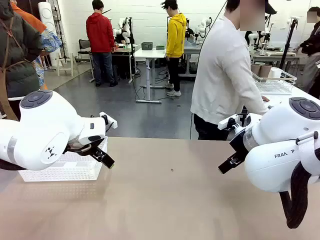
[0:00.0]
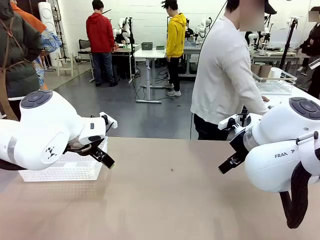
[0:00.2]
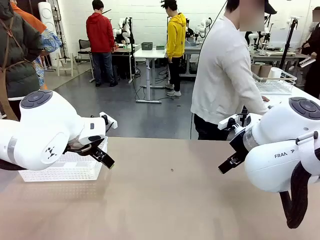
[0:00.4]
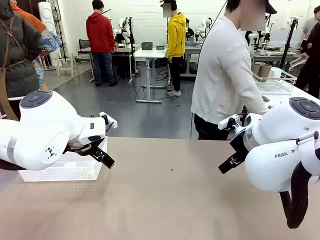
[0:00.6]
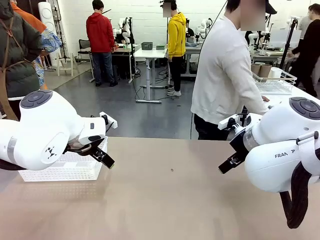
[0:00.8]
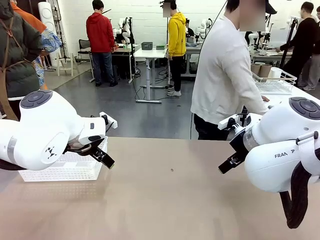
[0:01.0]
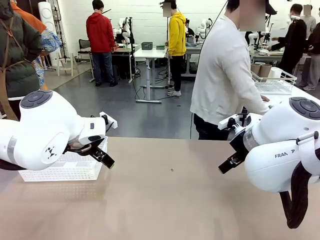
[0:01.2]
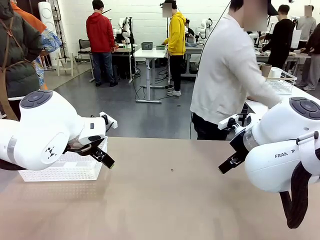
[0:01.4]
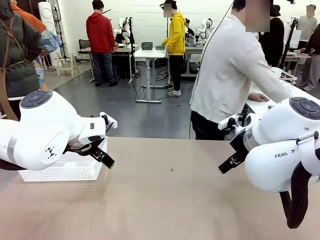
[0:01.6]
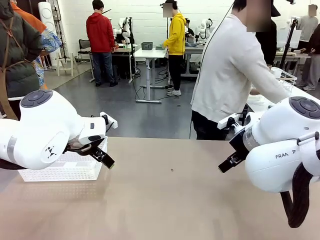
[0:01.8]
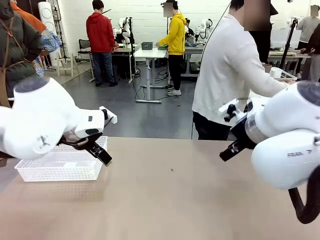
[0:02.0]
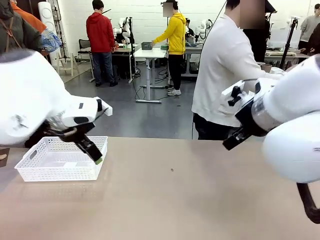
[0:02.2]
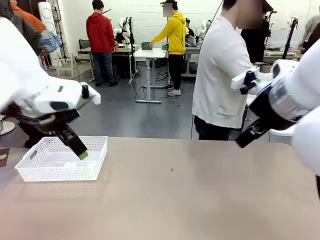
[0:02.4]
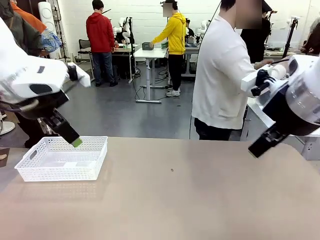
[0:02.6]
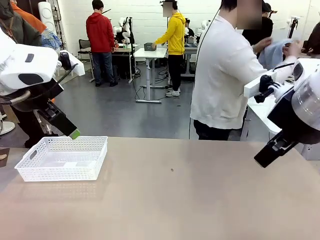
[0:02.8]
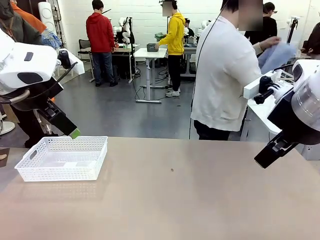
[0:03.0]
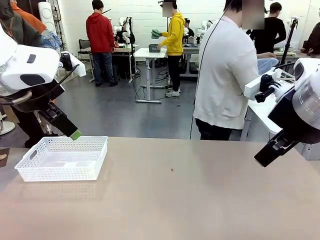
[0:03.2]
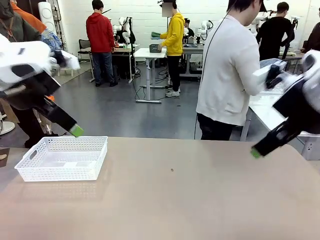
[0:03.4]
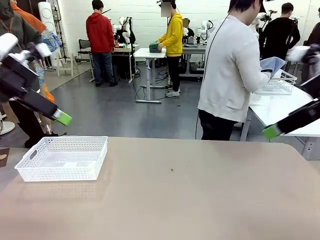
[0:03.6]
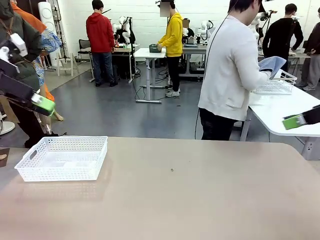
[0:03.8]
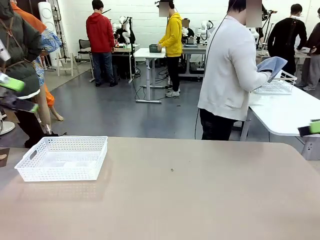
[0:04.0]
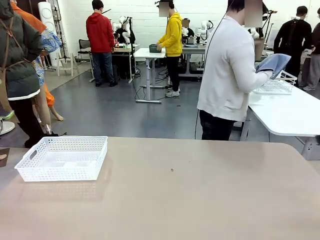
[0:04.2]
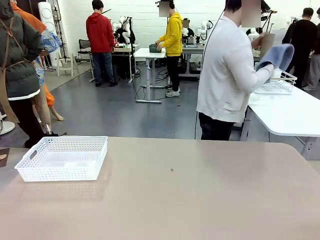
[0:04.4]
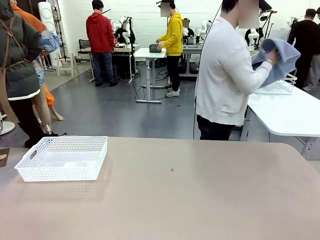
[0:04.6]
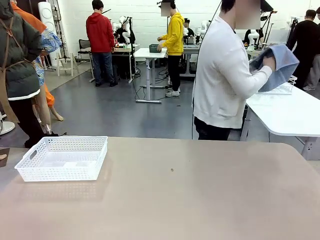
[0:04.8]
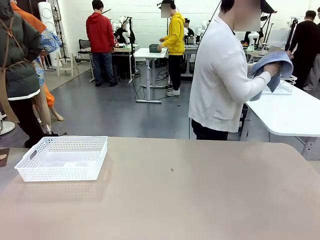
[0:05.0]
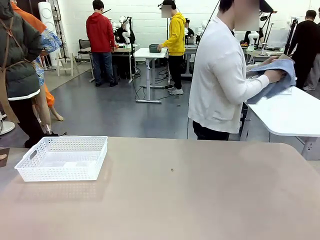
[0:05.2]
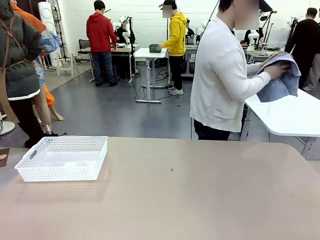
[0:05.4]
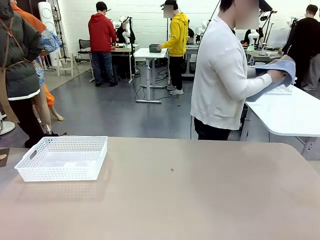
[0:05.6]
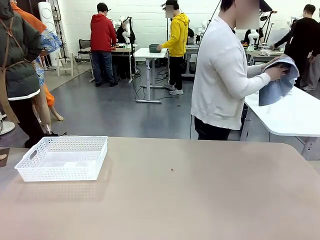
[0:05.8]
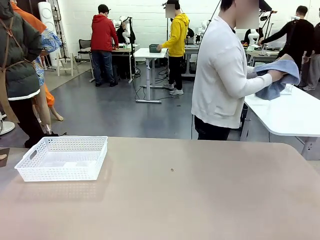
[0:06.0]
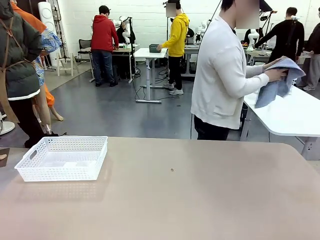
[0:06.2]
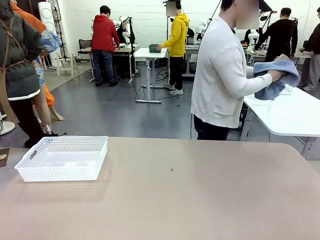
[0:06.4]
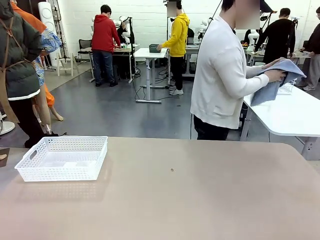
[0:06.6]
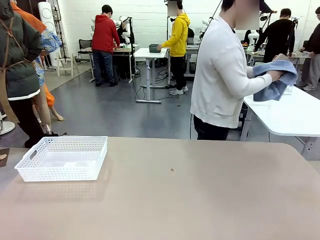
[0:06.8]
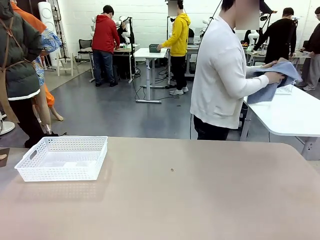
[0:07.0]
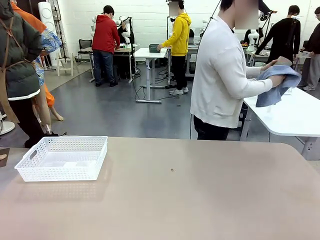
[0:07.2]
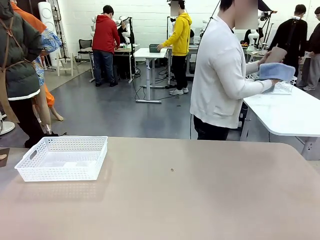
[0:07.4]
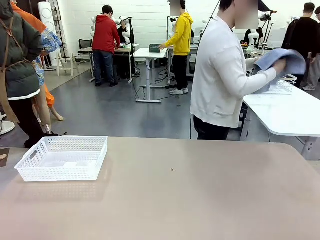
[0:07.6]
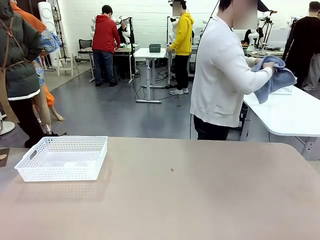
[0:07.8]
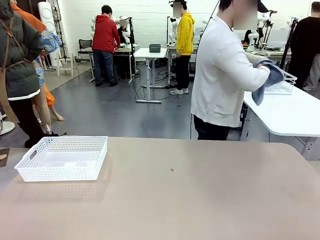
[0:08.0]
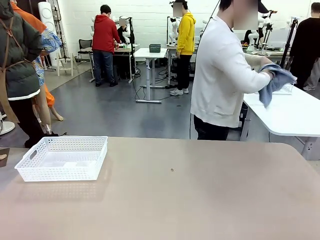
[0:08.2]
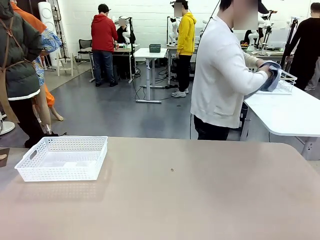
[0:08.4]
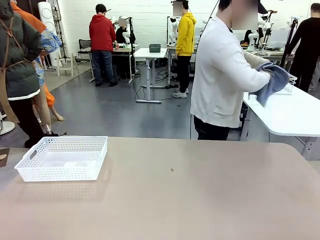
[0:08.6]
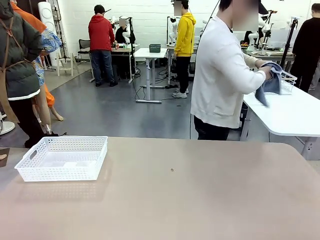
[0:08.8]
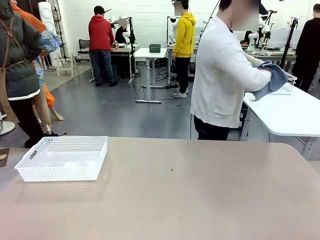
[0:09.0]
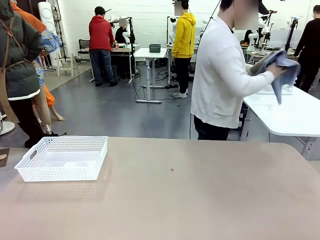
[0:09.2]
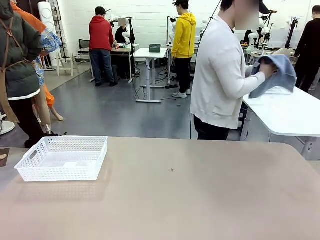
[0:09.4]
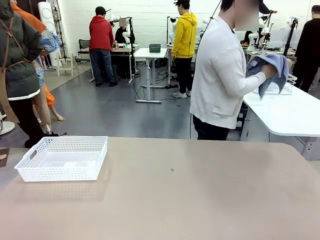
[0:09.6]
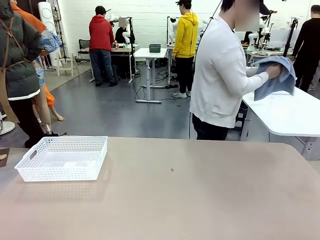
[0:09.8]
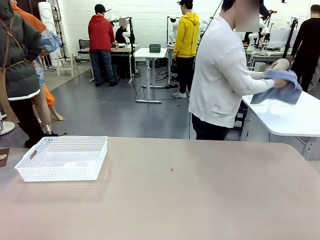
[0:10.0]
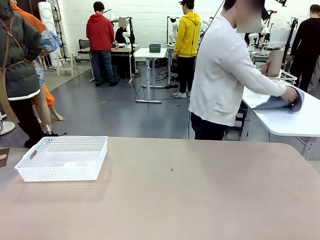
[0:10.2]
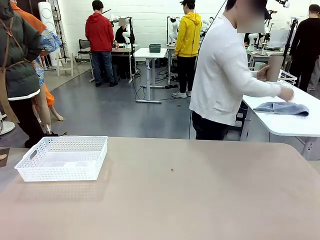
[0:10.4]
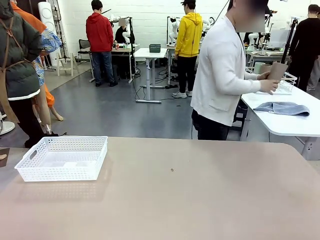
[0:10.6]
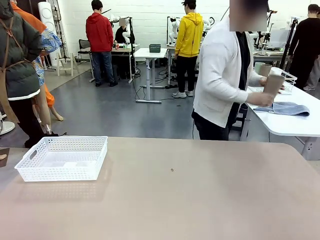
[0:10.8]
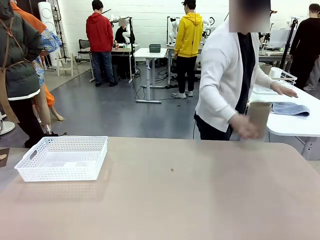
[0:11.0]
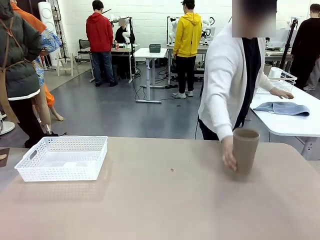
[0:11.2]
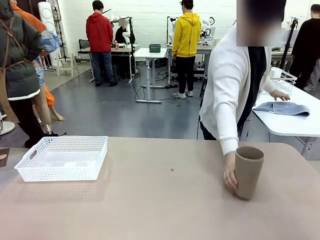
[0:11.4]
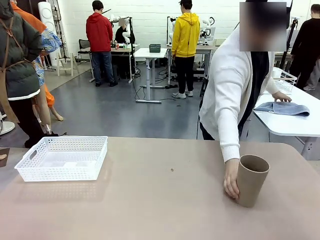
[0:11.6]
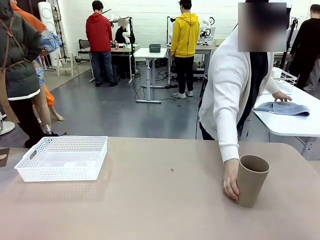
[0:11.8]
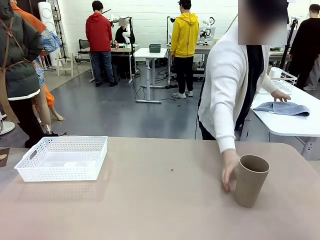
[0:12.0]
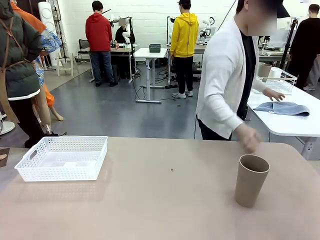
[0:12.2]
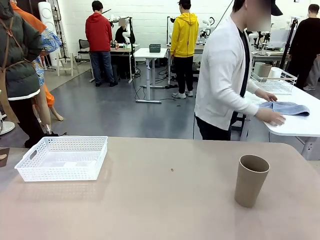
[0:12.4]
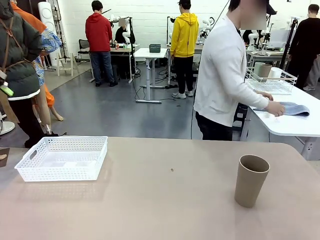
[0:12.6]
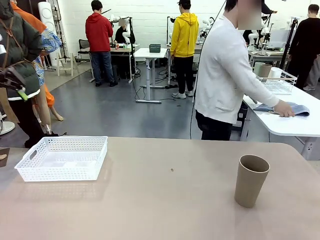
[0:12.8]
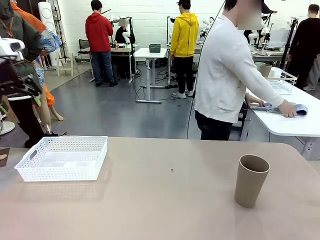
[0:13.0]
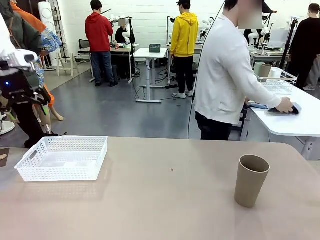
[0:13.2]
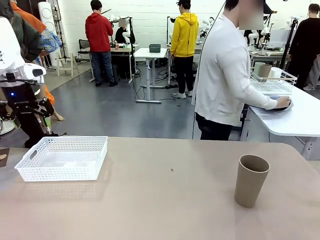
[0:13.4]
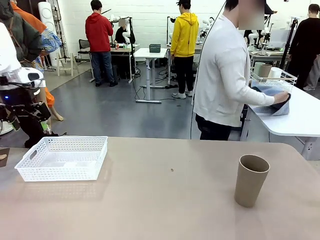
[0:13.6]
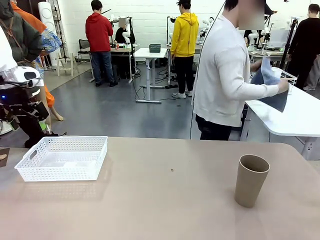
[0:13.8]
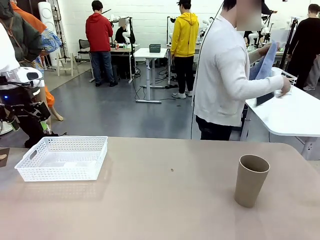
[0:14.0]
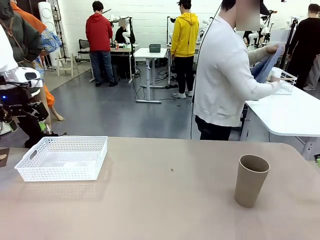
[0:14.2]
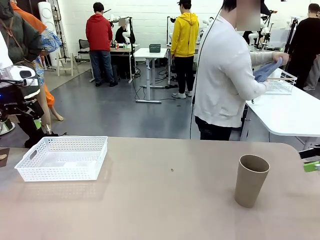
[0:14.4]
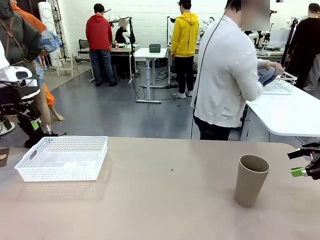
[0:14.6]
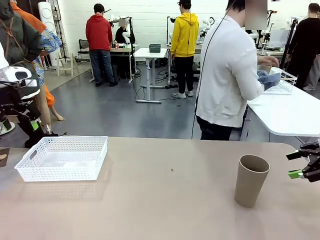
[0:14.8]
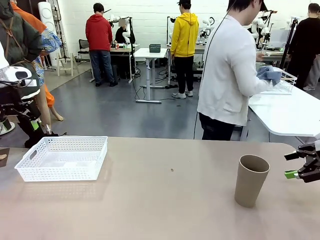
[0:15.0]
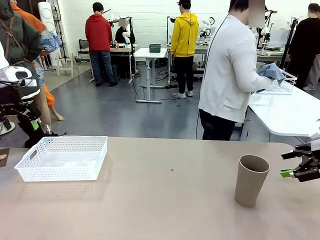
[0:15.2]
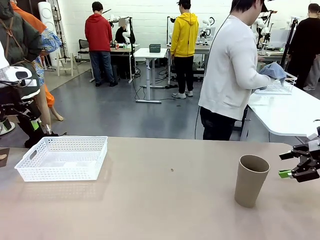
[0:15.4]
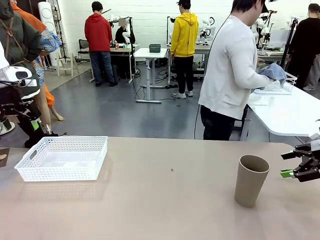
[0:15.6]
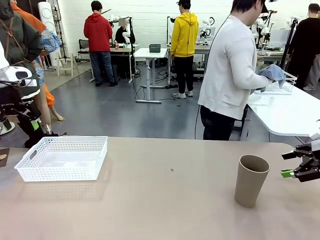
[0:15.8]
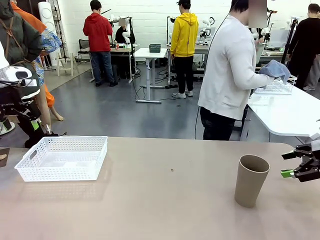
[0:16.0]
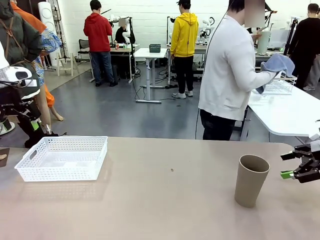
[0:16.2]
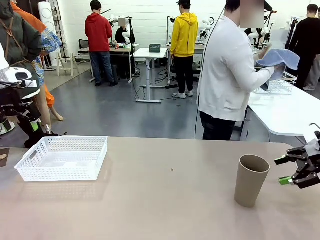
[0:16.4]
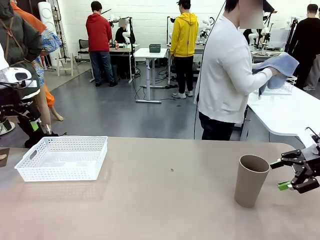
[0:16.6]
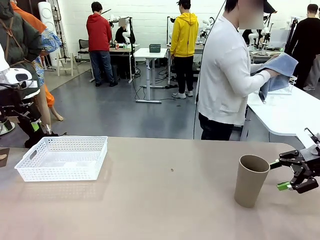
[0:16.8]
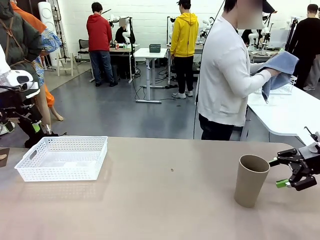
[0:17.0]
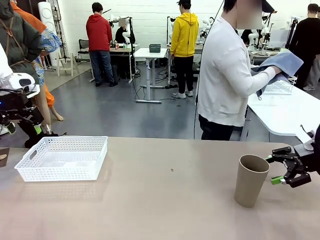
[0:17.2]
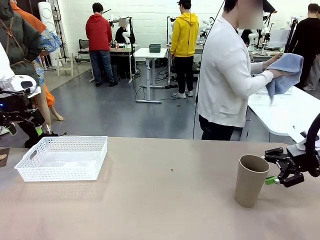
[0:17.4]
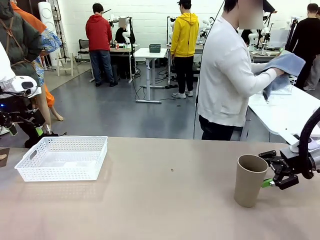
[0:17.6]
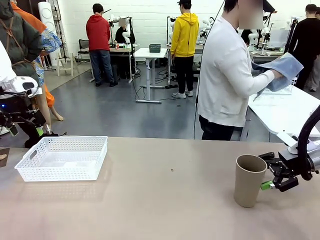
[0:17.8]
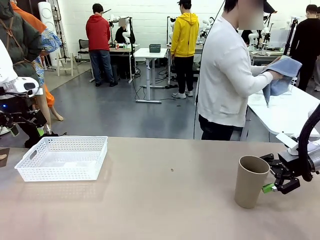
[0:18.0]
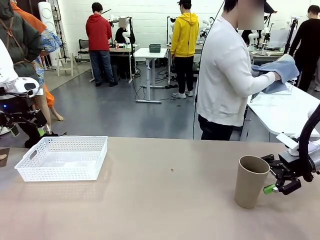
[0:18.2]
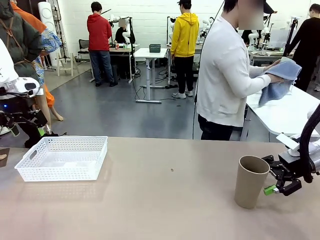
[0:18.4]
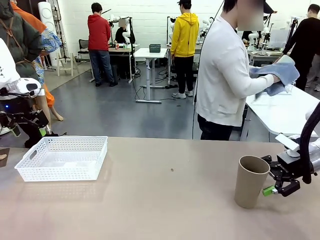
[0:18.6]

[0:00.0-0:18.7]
Task: Clean and organize the cups into the basket.
Robot: Pick up the Organizing basket and move it to the center of the table, then pick up the Reusable plastic cup from the right side of the table and place it inside the Organizing basket.
Person: Picks up a cup and a towel, cleans the cup with the towel, and places it on the left side of the robot table.
